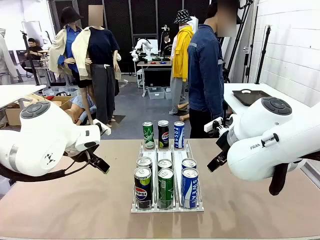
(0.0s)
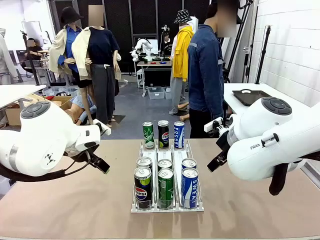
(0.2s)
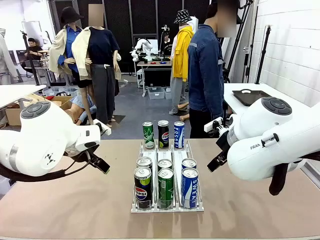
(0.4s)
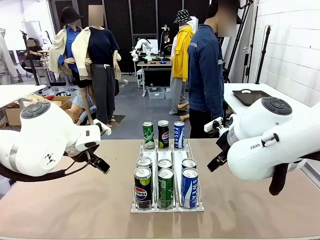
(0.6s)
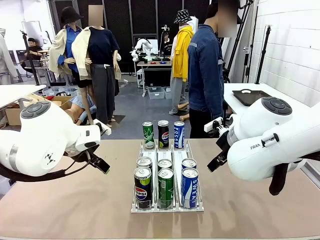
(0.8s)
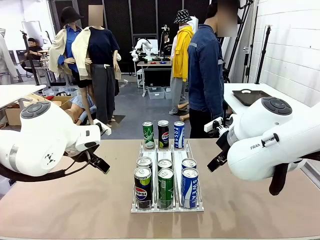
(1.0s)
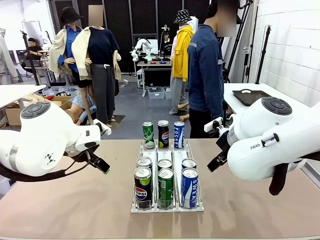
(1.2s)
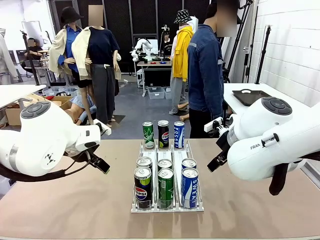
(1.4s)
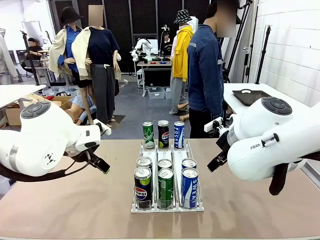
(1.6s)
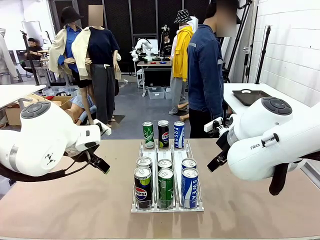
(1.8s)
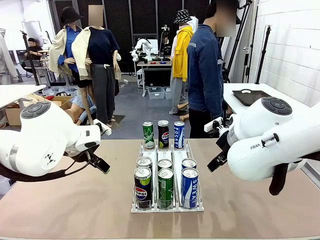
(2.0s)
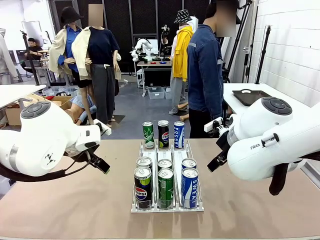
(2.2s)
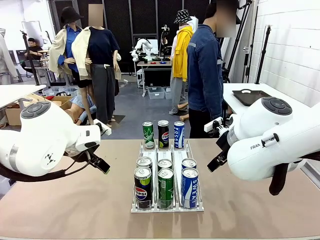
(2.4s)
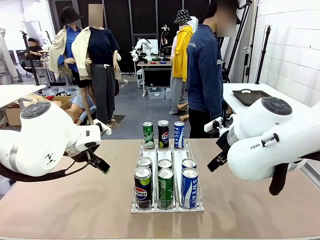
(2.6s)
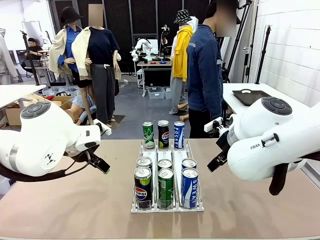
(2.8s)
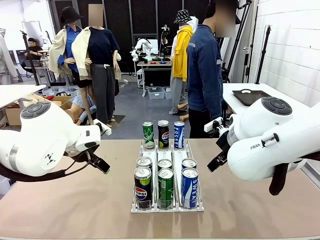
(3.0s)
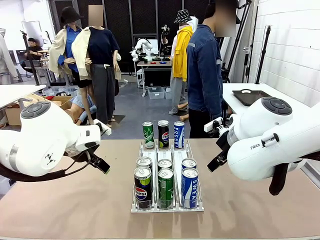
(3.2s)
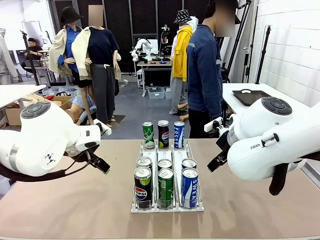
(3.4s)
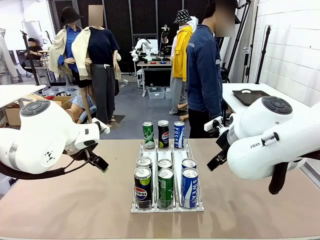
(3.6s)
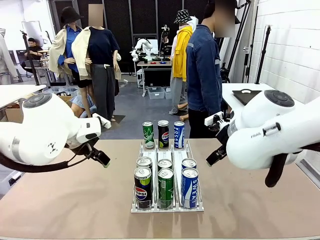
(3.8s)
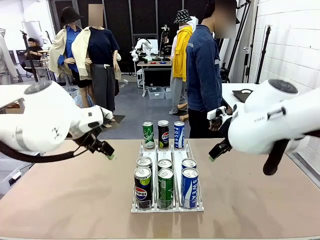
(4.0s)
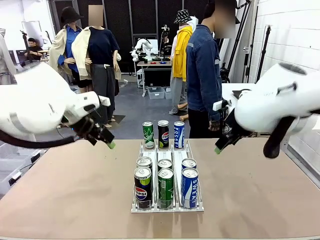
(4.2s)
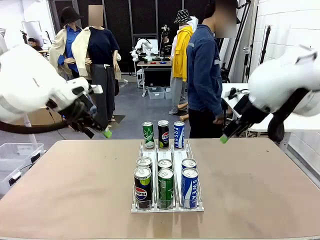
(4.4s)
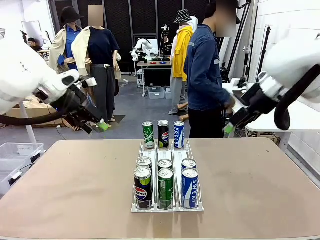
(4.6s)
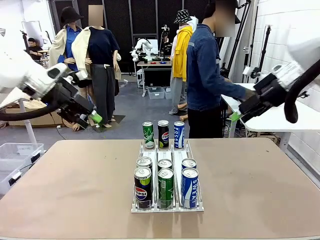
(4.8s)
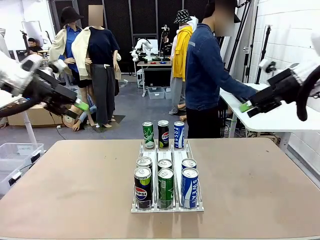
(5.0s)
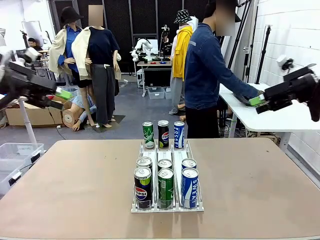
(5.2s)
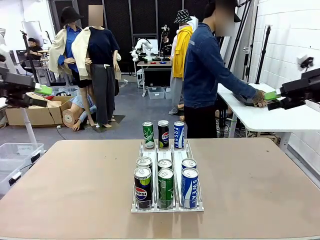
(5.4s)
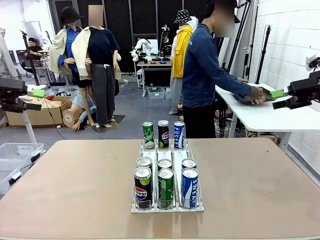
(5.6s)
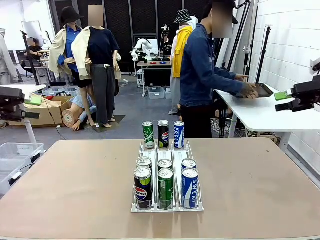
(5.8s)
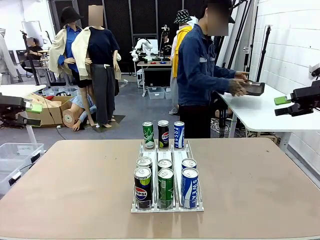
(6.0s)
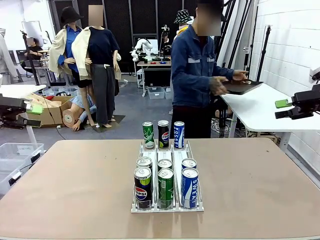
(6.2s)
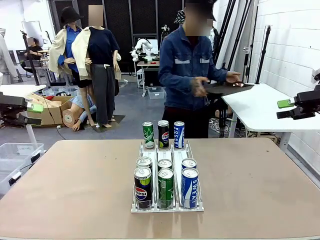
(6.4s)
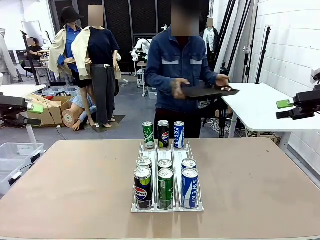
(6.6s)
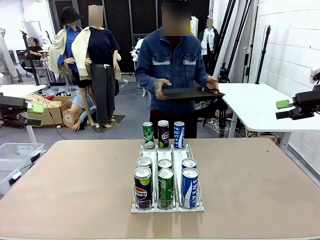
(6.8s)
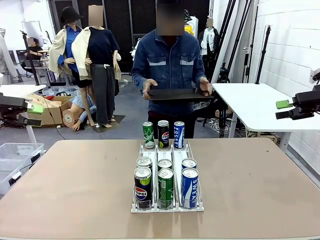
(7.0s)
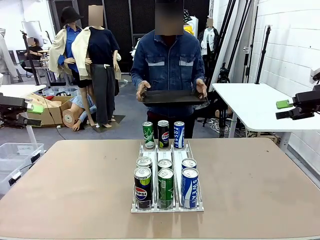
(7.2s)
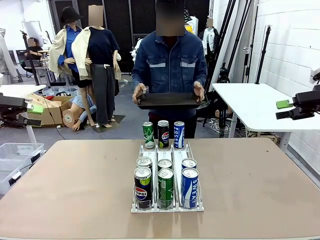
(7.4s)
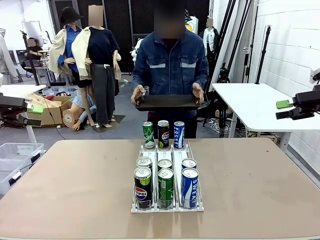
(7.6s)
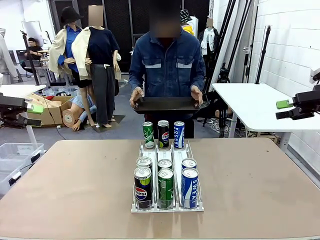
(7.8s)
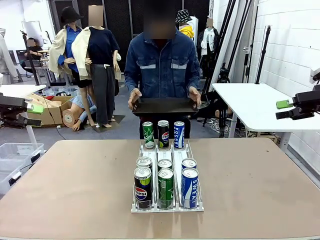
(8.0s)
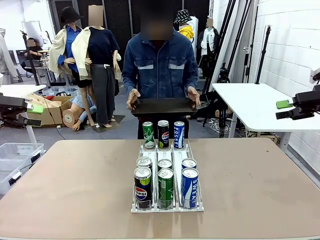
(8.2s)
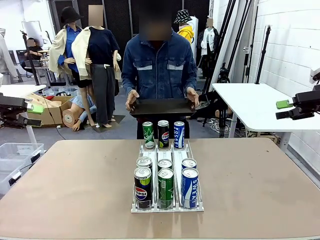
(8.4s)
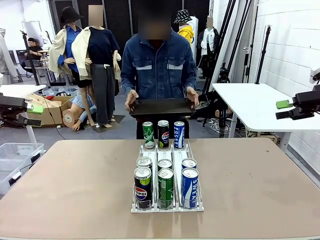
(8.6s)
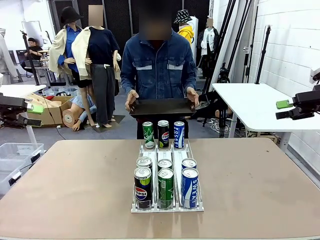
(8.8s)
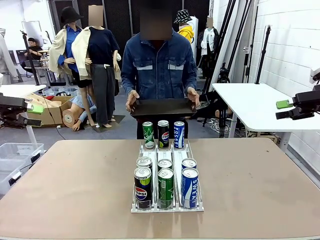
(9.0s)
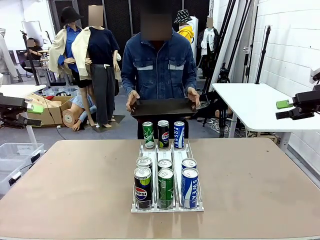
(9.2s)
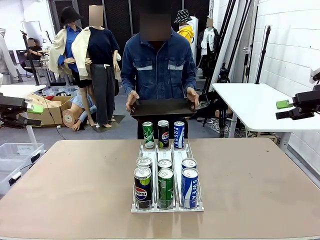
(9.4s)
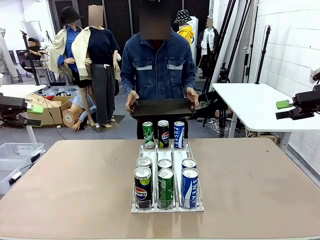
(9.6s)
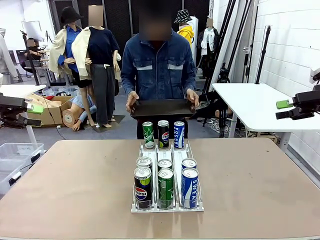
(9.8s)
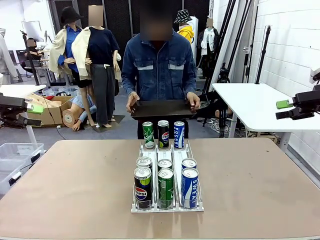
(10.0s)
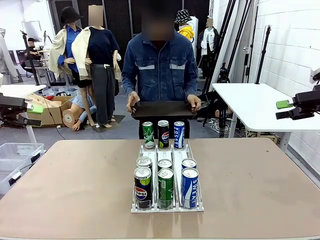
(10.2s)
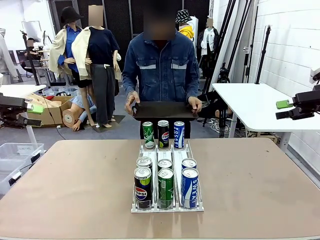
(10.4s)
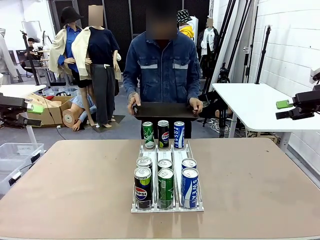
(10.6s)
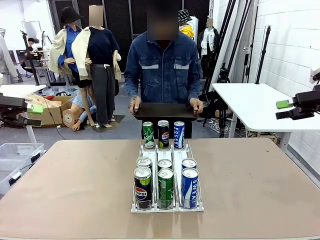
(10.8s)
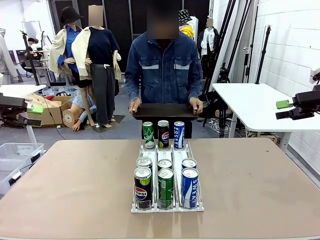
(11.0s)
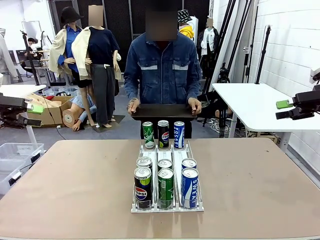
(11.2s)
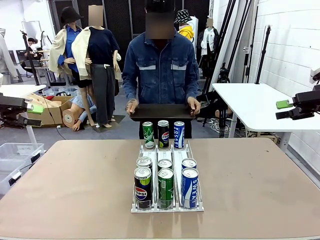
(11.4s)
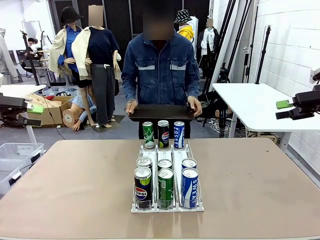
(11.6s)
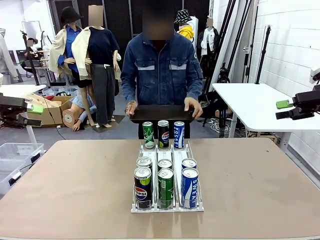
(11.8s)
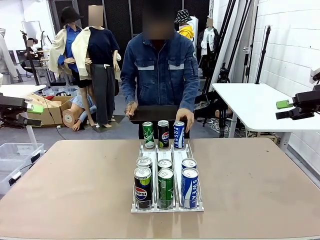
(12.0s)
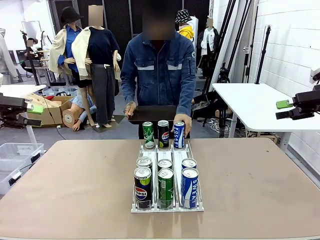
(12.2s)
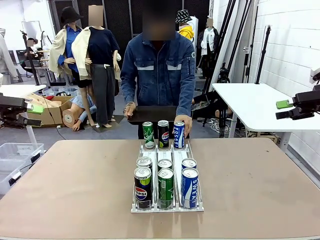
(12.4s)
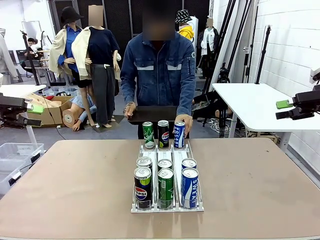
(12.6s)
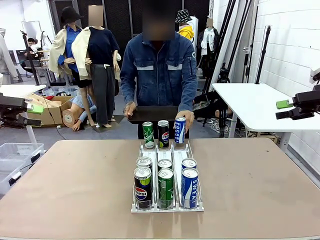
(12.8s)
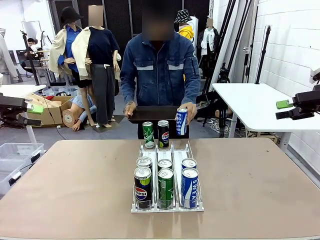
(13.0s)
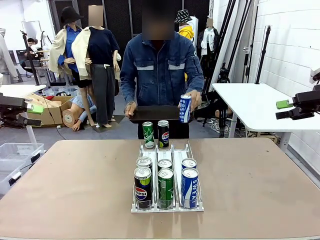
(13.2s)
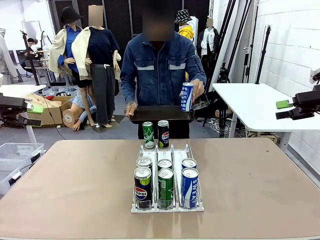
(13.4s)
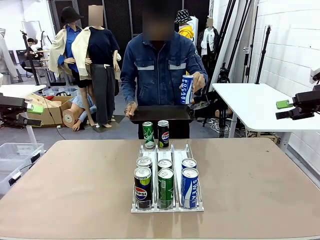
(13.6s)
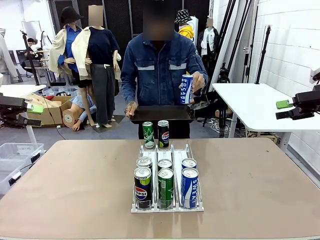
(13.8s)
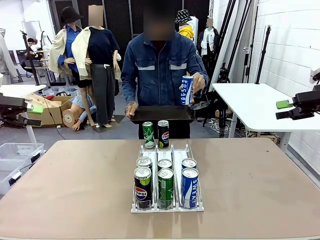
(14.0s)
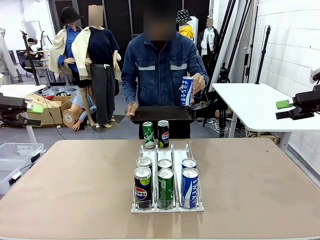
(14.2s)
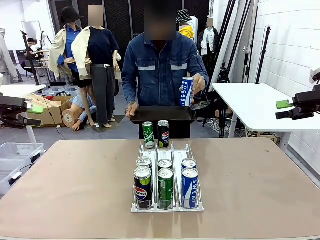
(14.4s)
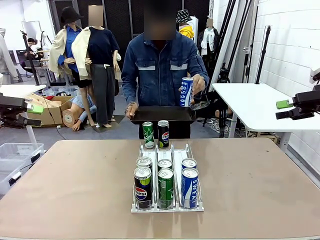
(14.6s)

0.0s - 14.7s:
Task: Retrieve and hand over the desired beverage to the person.
Robot: Pick up a can of the same type that the person held from the Automatic Can Dispenser.
Person: Hold the tray and position yourself in front of the robot table. Pick up one can from the bottom area of the table and puts it back in its original place.

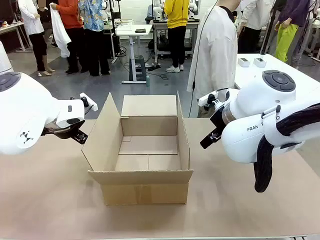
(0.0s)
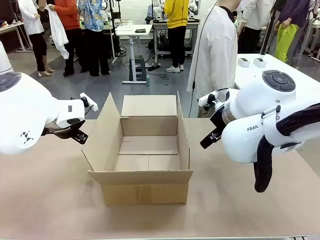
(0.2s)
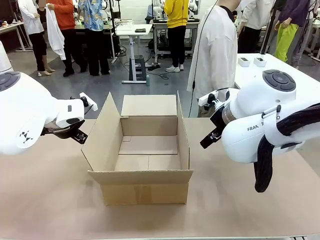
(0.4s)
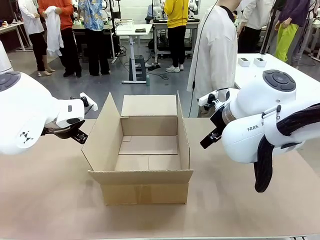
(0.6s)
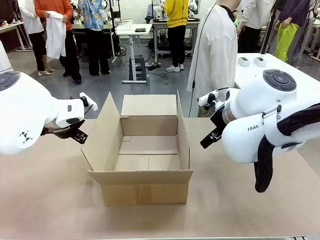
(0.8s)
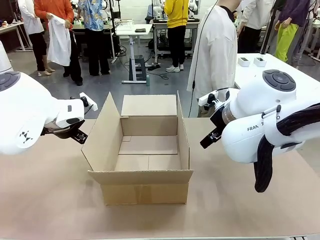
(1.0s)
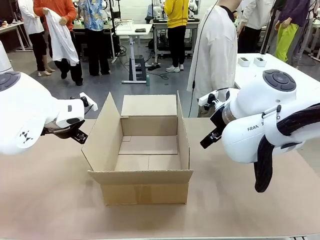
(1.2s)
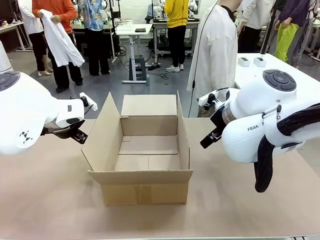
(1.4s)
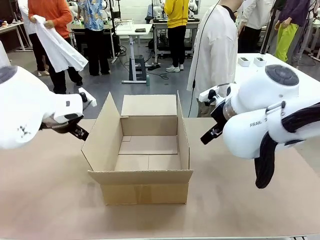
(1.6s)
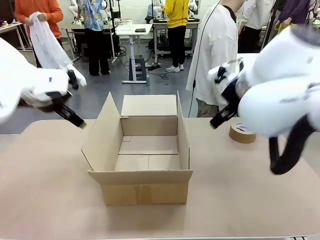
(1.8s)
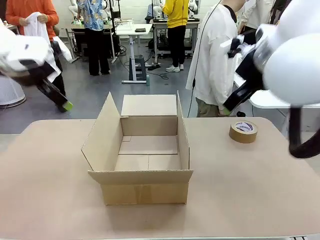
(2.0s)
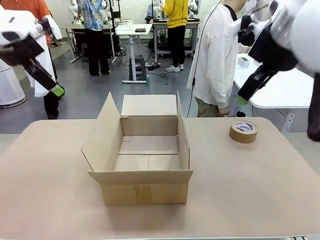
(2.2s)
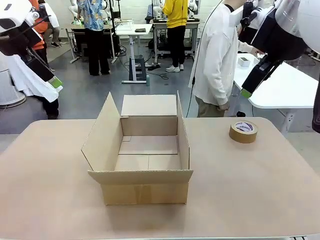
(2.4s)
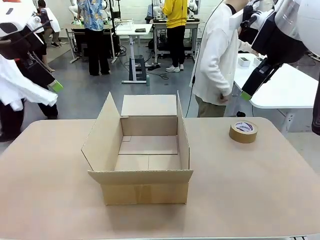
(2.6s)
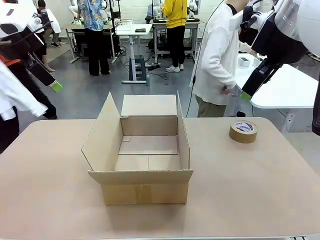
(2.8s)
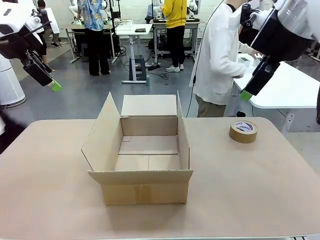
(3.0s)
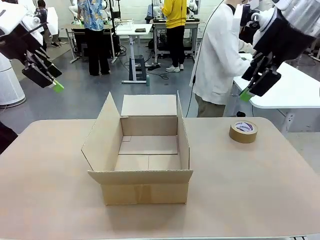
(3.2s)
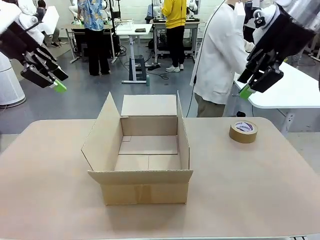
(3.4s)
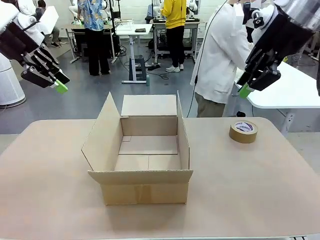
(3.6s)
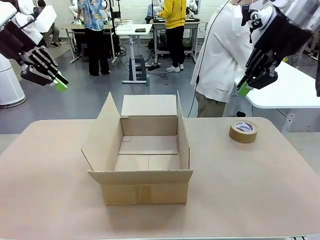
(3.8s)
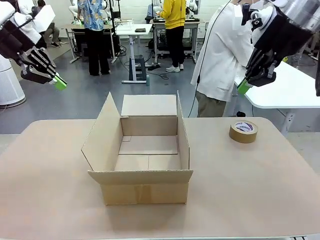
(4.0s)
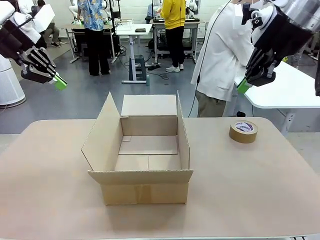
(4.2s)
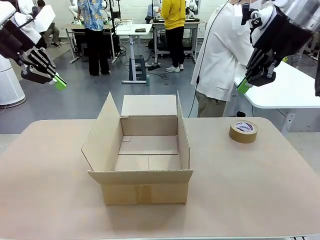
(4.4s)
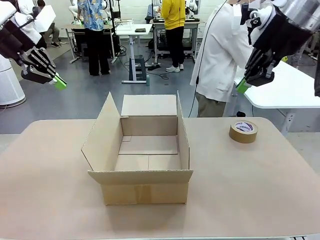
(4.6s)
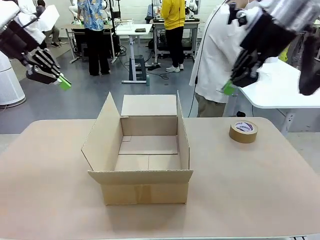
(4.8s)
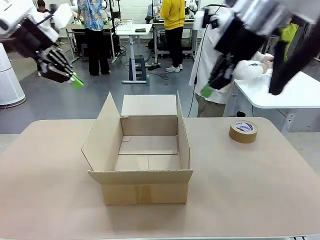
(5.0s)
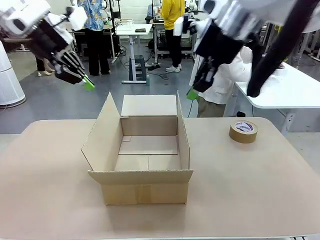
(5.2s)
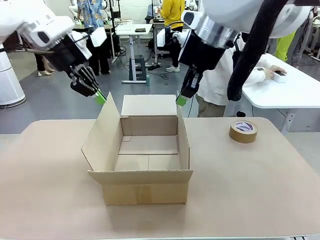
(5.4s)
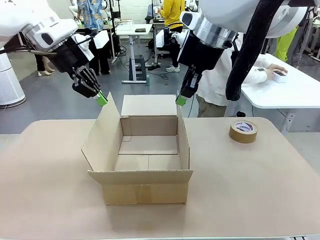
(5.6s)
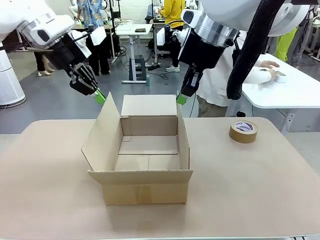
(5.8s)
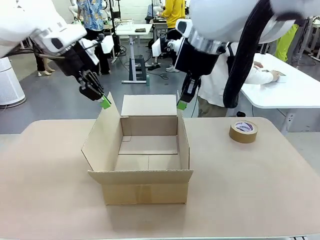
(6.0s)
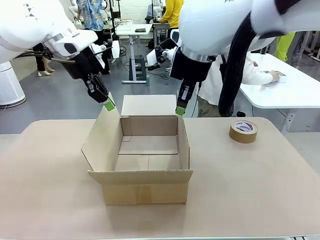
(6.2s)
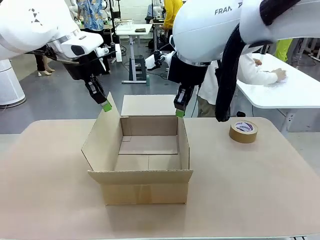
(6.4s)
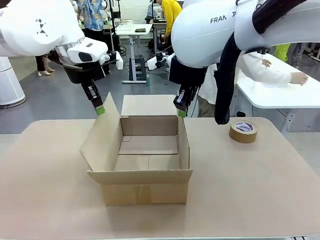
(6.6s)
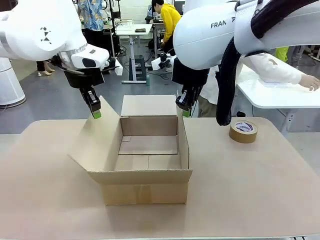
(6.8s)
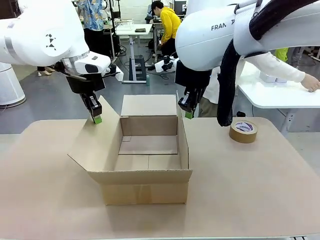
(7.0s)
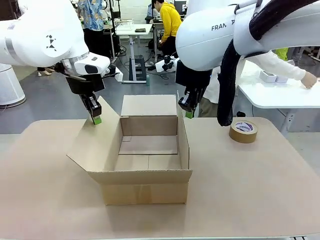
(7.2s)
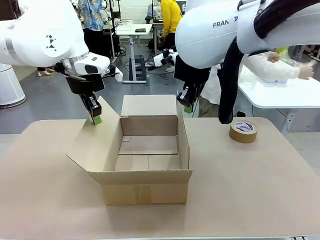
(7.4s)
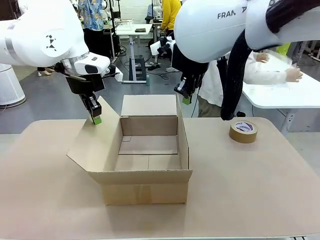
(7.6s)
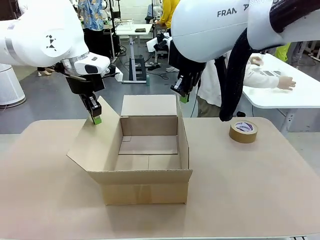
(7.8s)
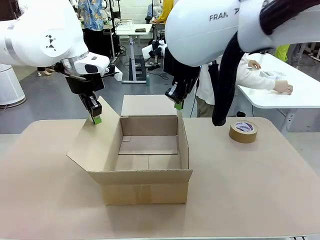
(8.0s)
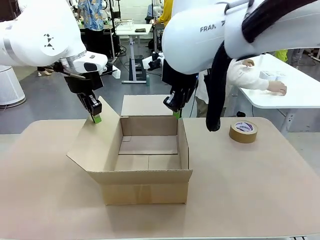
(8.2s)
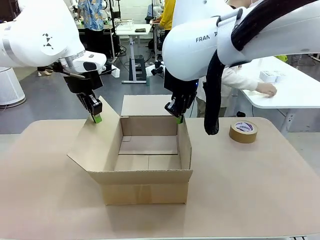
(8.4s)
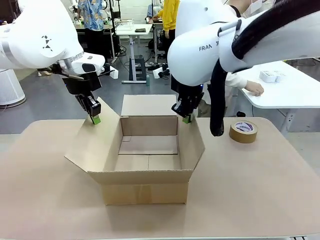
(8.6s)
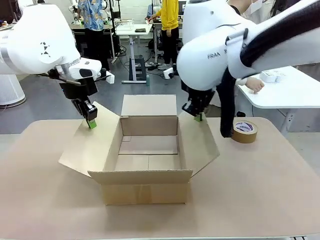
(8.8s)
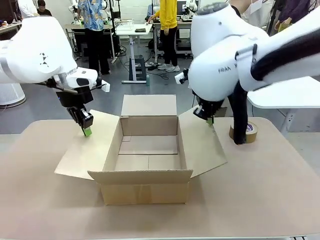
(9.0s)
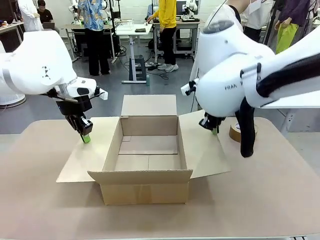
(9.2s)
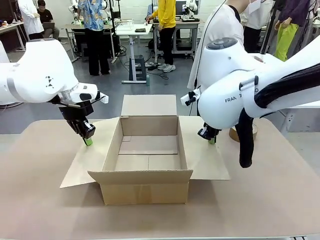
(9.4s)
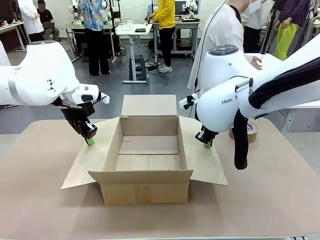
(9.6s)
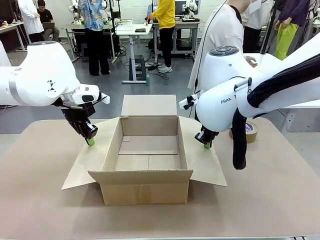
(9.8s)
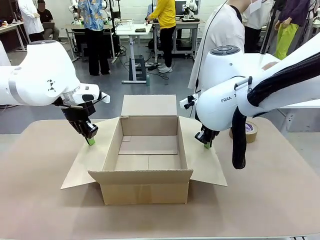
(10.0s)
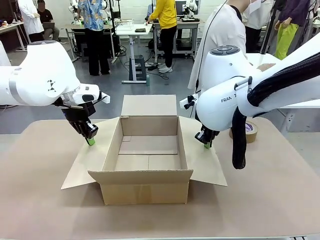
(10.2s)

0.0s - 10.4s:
Task: Wrap the clocks to prevent damage.
Robot: Open the side flaps of the Package Box.
Person: Wrap the two Digital clocks with Bubble Wrap.
